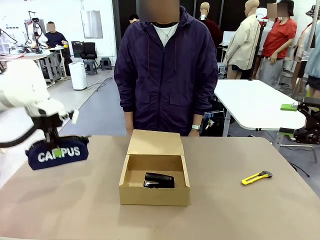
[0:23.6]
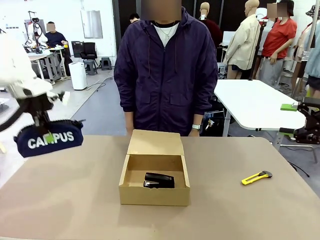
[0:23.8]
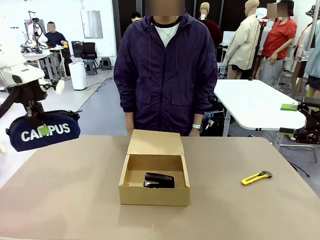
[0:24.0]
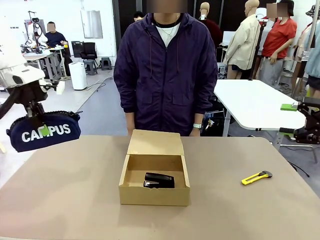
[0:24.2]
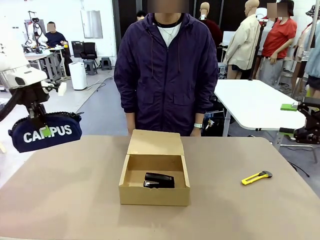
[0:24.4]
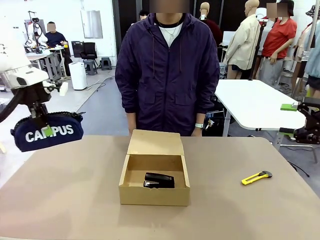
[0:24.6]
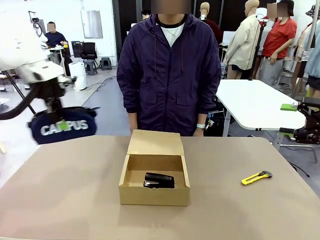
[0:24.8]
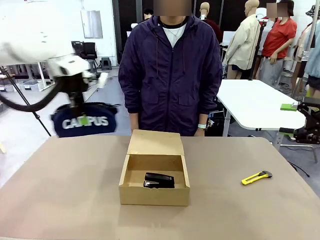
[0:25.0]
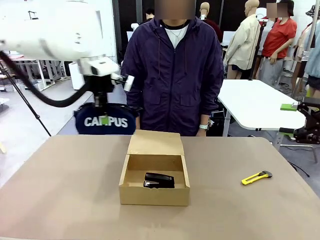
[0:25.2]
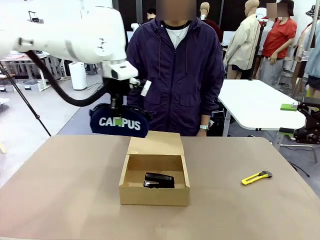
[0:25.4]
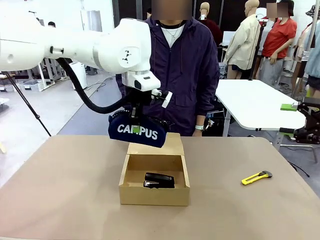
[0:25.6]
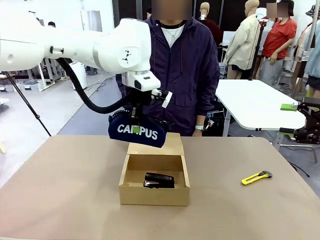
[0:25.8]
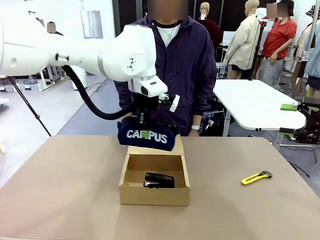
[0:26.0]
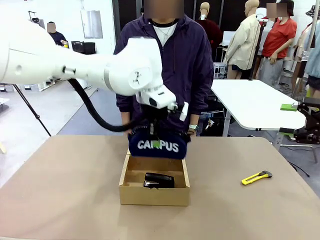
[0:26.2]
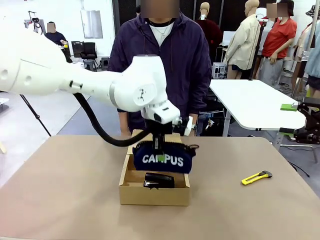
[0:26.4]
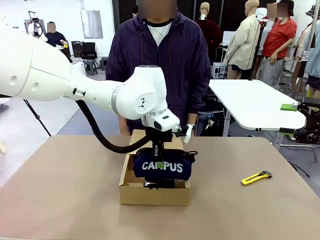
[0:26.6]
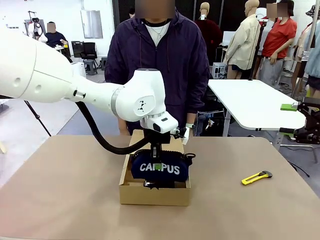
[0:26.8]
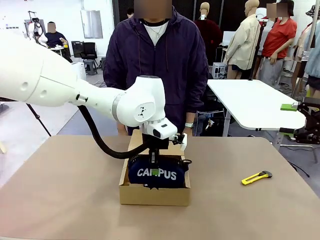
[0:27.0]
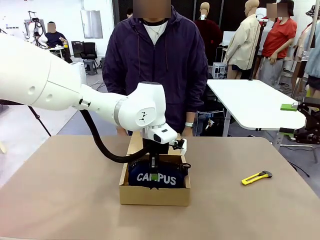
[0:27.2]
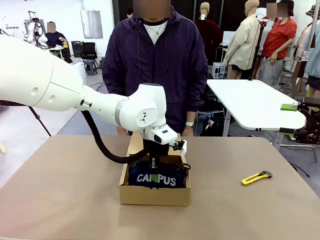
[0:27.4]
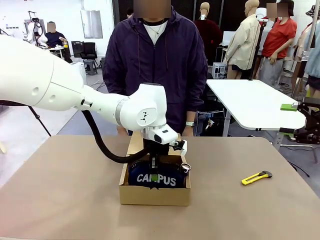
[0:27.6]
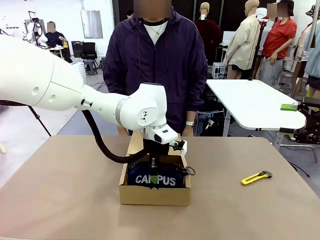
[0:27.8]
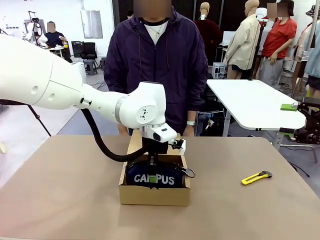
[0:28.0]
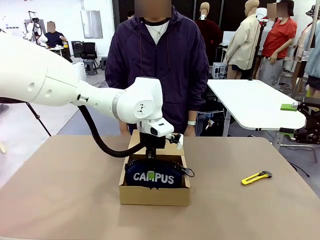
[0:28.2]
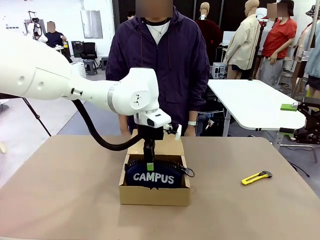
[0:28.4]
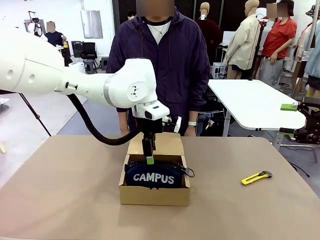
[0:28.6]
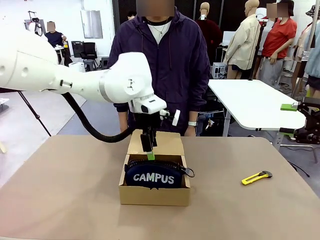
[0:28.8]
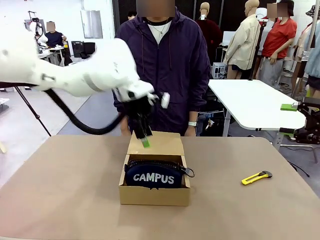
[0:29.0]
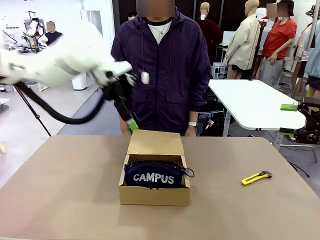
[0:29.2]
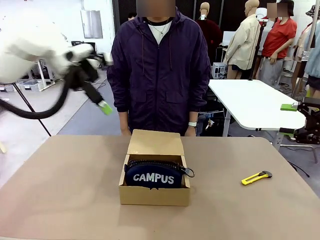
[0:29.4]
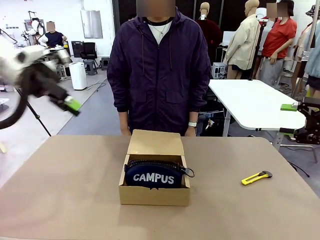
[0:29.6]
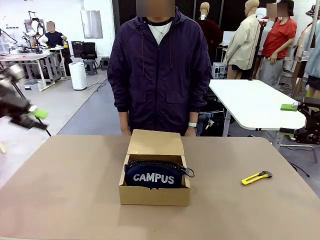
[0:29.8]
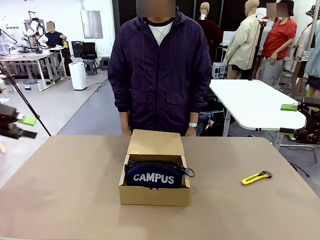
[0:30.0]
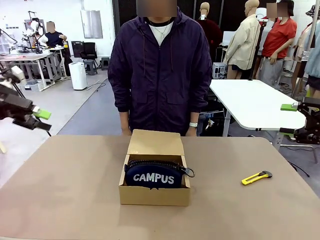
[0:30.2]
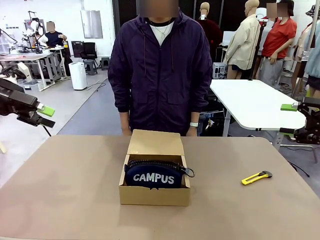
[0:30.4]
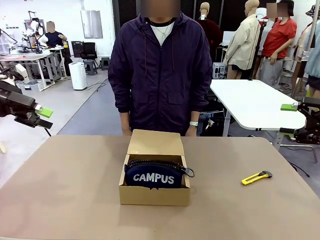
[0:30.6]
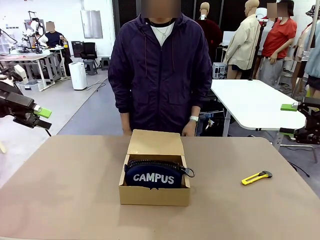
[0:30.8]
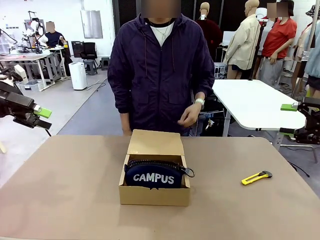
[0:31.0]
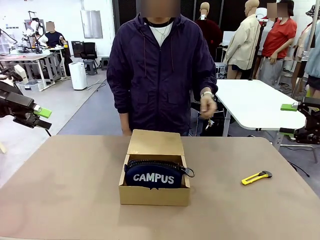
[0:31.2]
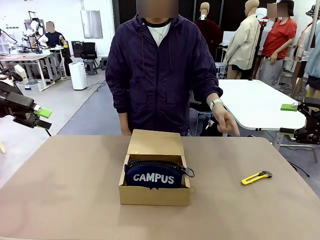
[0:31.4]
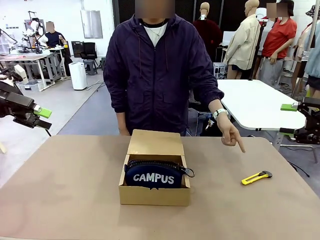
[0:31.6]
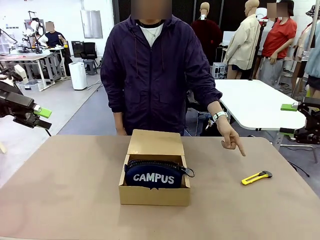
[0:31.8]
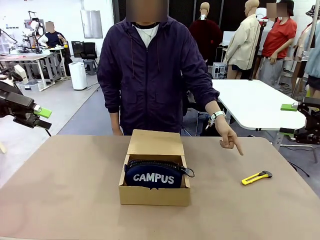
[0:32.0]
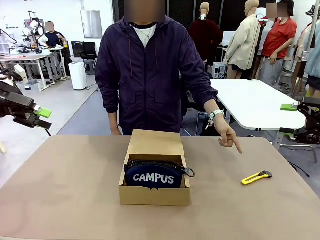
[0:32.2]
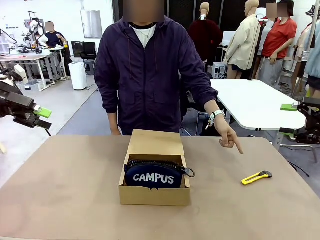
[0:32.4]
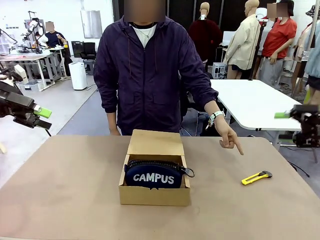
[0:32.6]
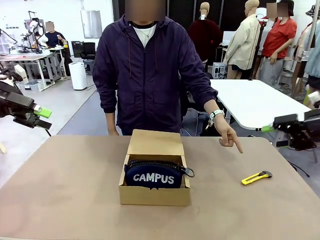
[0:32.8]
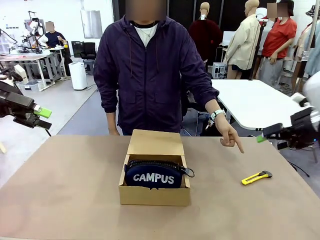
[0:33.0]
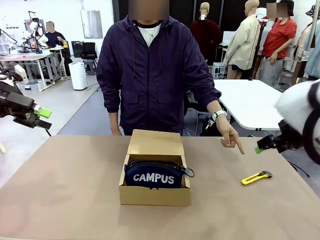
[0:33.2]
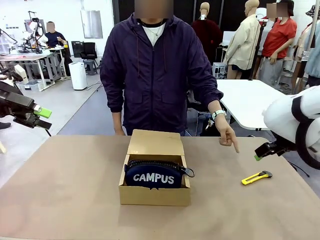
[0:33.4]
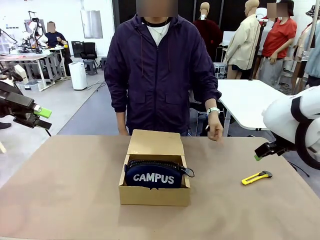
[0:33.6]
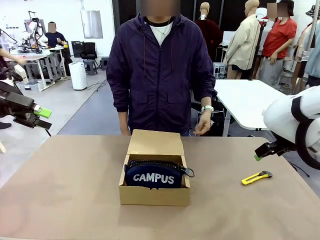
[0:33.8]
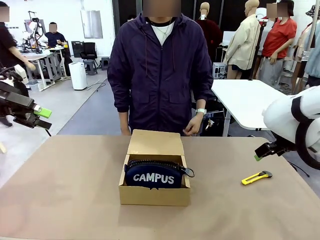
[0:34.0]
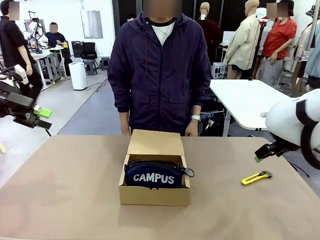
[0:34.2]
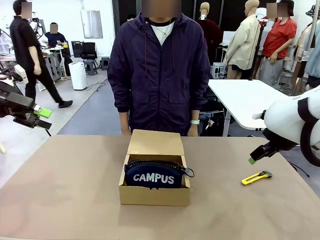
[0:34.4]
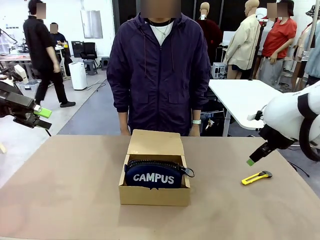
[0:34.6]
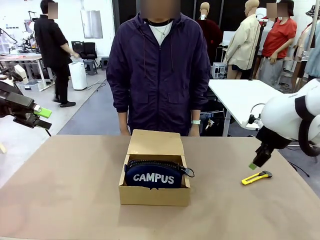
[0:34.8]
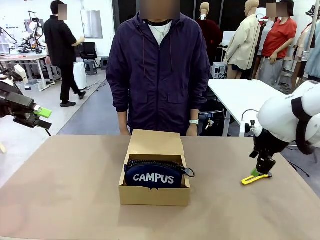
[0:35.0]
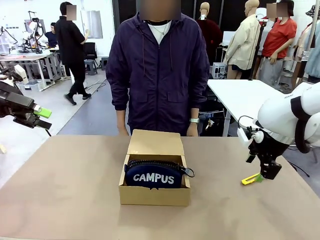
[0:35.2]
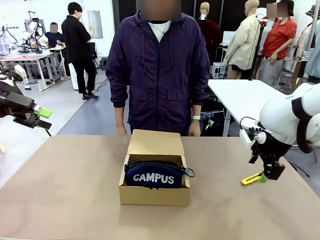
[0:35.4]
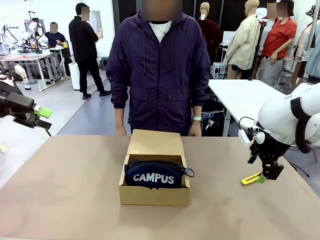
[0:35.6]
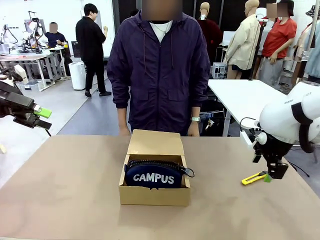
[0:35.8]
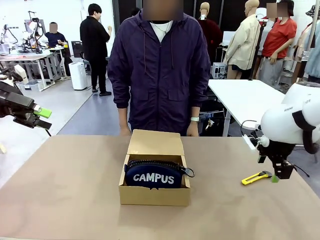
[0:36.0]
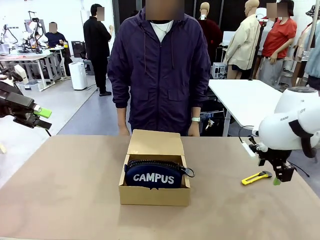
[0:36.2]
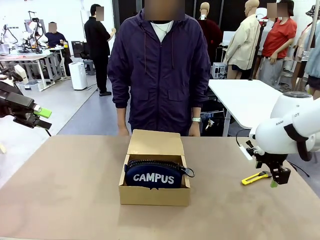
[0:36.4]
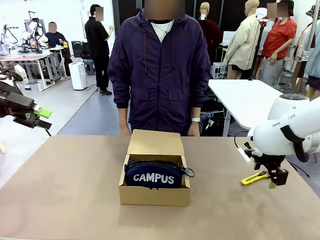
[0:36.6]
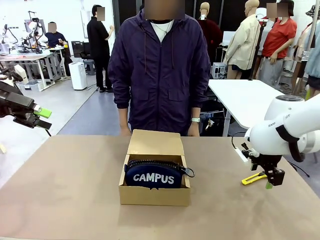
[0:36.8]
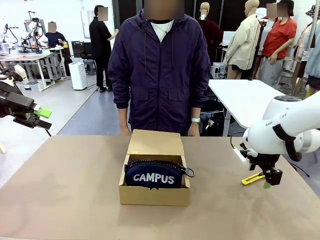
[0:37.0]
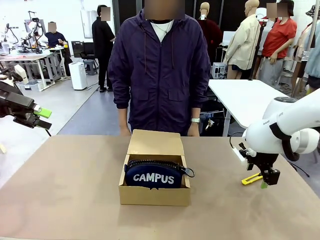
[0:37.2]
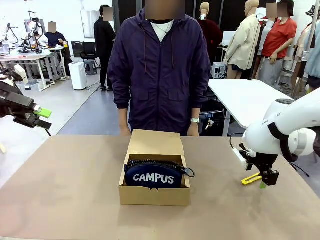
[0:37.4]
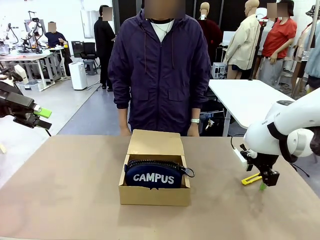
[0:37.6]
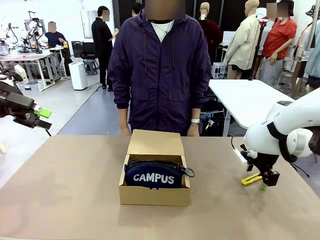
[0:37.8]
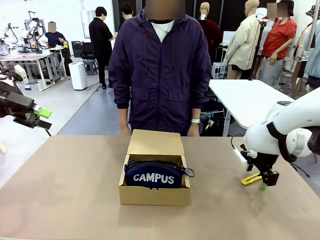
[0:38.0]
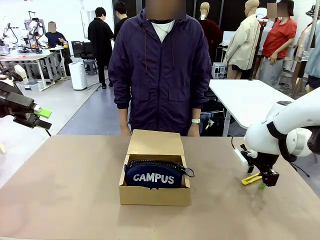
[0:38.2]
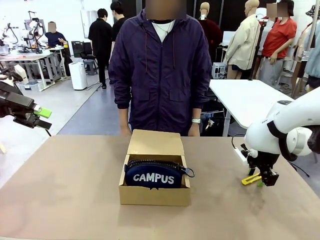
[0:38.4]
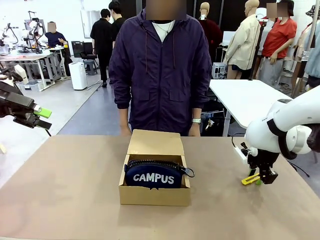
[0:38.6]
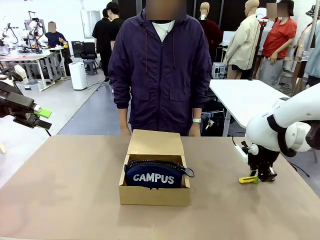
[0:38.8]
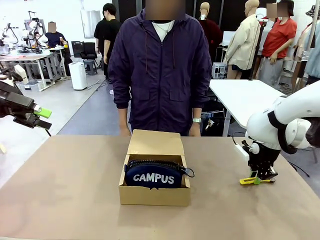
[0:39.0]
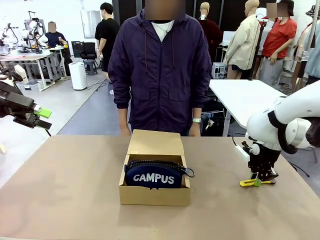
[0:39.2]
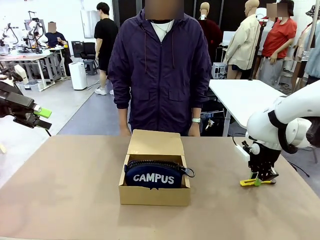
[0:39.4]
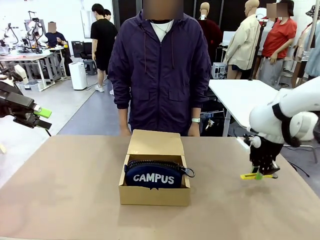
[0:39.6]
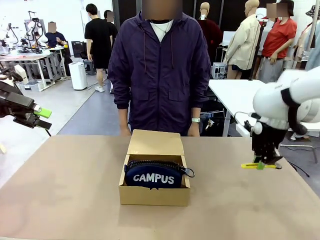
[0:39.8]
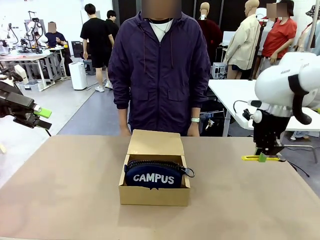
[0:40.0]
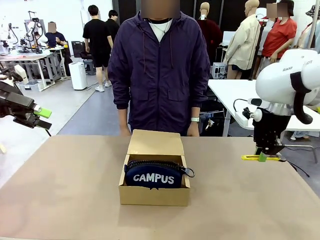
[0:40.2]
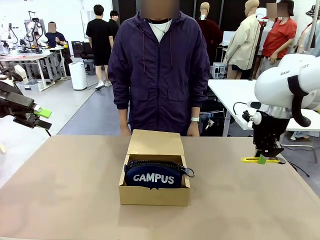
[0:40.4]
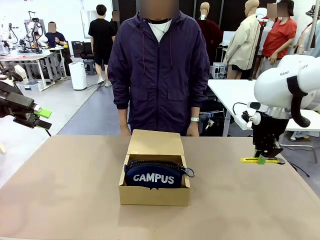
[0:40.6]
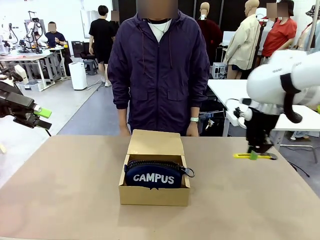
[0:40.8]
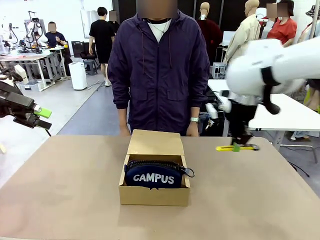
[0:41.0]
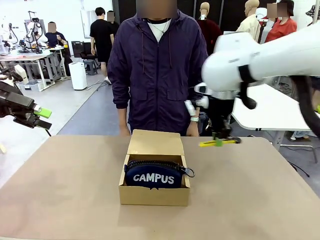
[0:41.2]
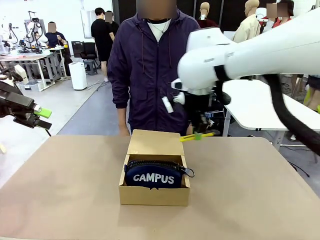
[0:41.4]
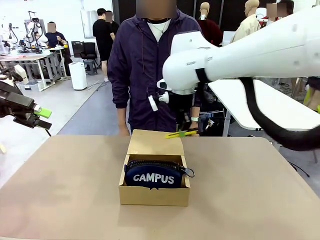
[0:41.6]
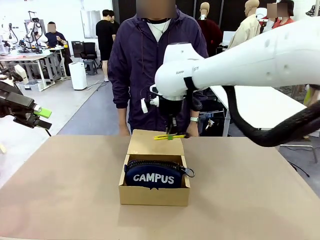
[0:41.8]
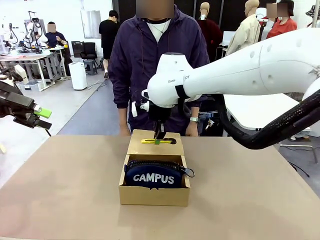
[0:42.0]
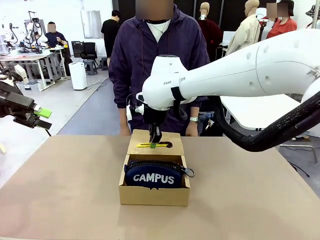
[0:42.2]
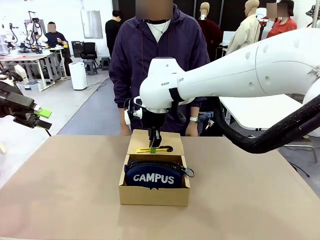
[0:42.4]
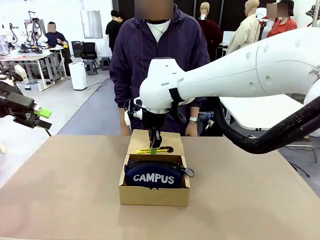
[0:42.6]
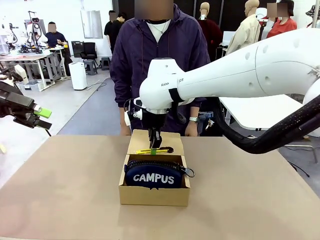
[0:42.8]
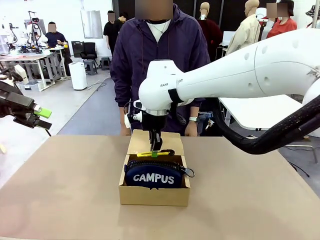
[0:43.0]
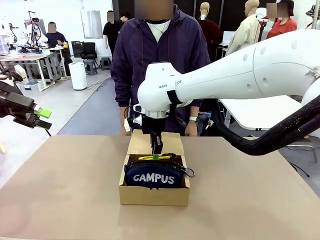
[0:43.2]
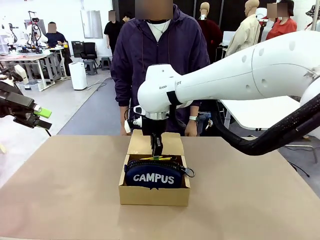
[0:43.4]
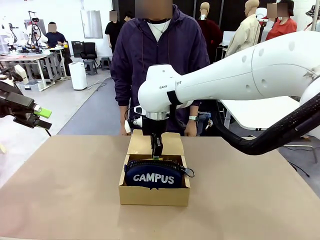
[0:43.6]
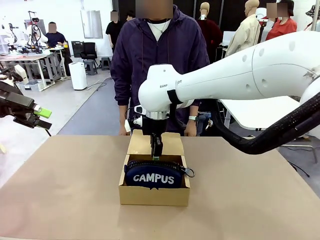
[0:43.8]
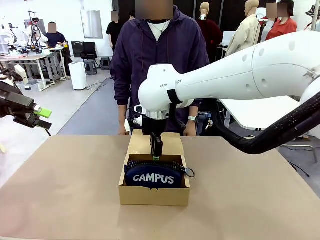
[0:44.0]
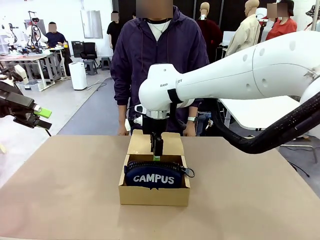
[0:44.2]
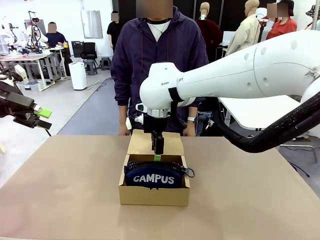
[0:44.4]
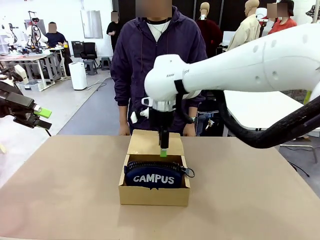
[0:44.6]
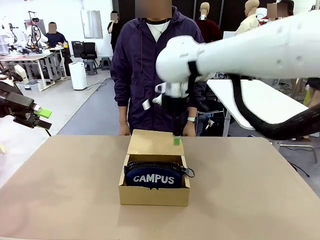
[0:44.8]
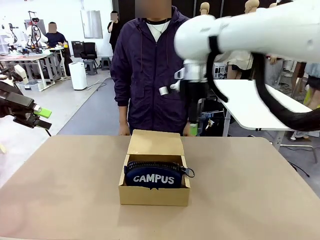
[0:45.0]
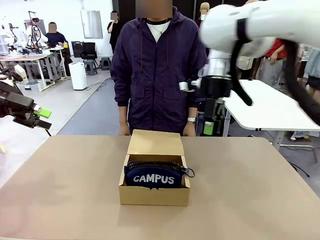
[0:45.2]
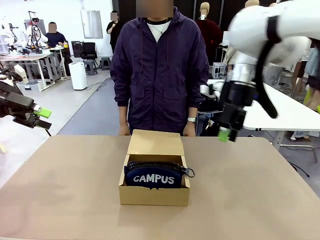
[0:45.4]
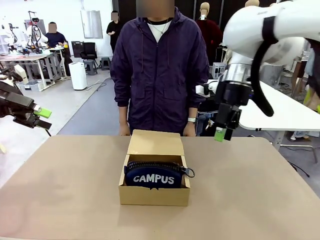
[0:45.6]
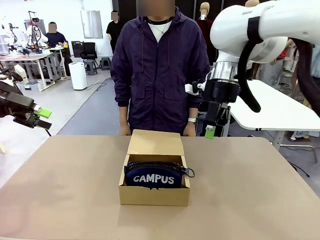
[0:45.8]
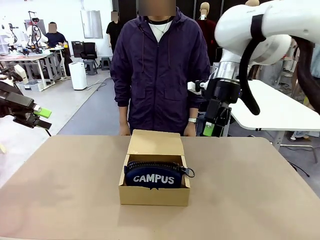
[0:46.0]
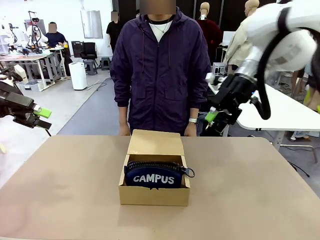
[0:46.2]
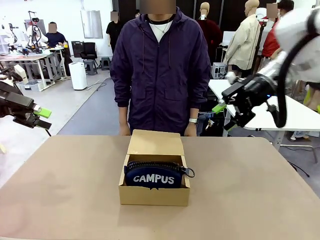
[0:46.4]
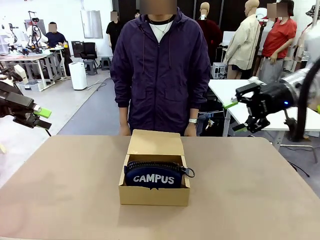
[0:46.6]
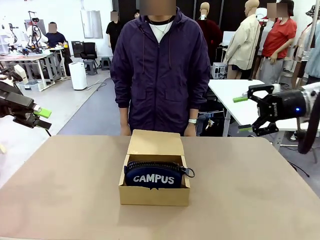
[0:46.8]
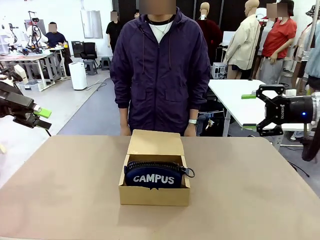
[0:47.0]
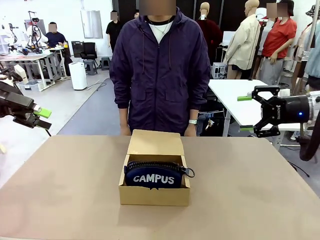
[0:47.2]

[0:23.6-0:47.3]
Task: Pack the items into the box.
Robot: Pick up the item indicated by the person and place it inside the Mailer Box.
Person: Lower both hands vertically with palms facing downward, as if pressing something closed.
